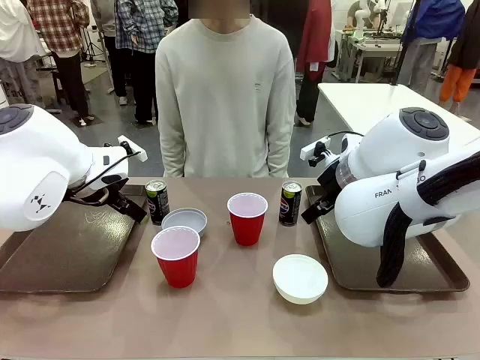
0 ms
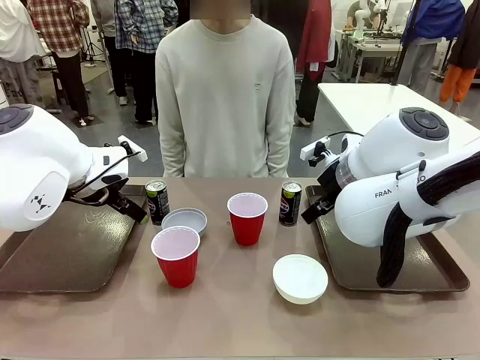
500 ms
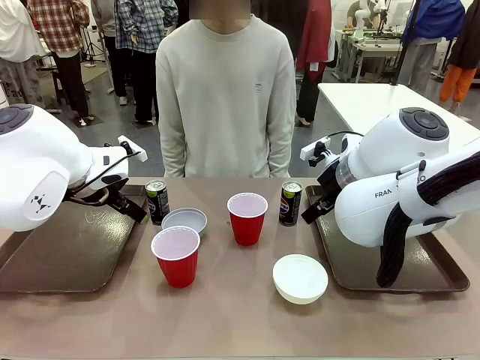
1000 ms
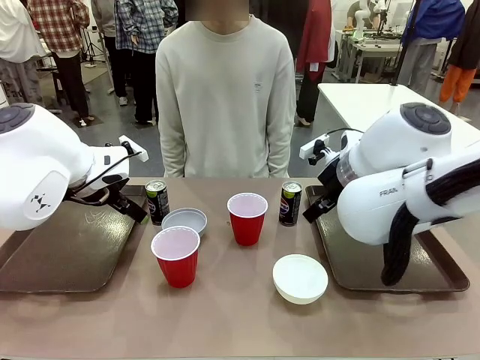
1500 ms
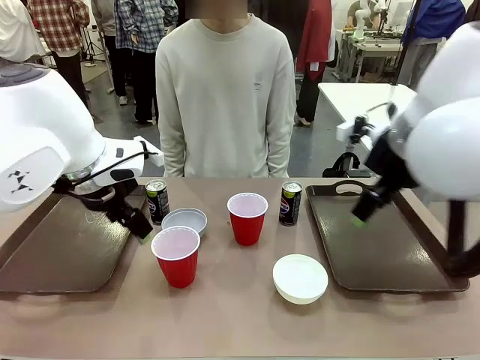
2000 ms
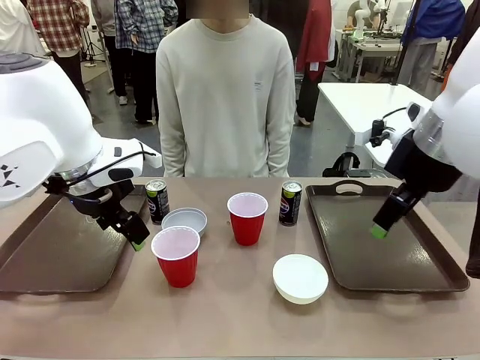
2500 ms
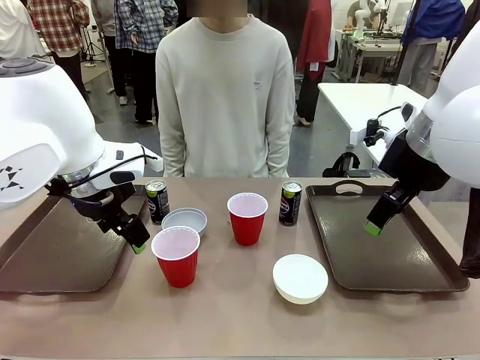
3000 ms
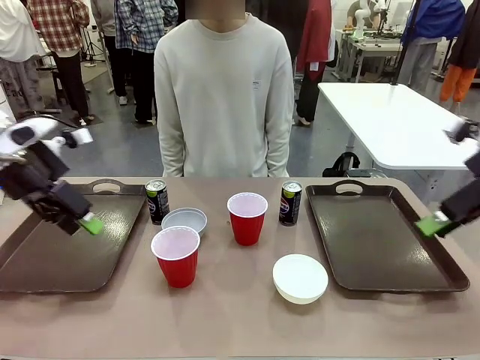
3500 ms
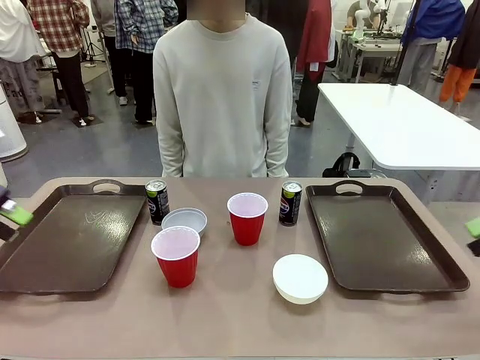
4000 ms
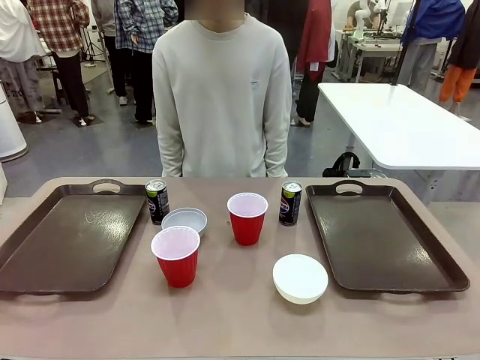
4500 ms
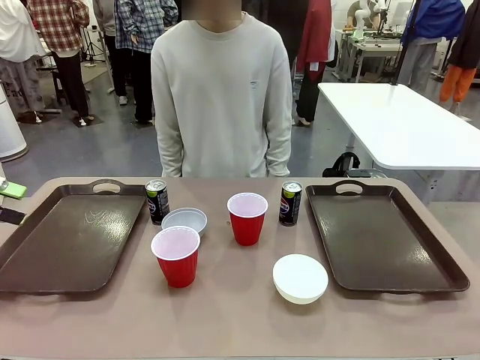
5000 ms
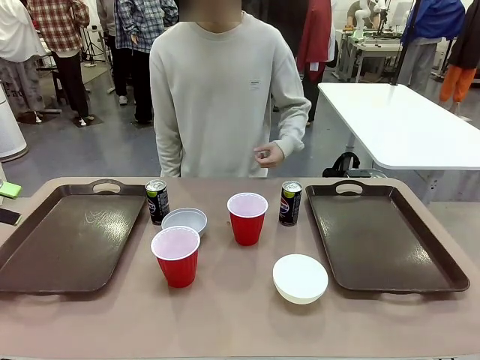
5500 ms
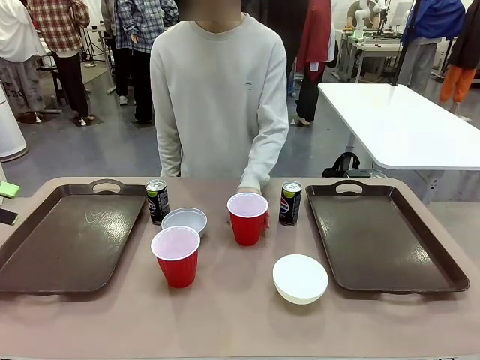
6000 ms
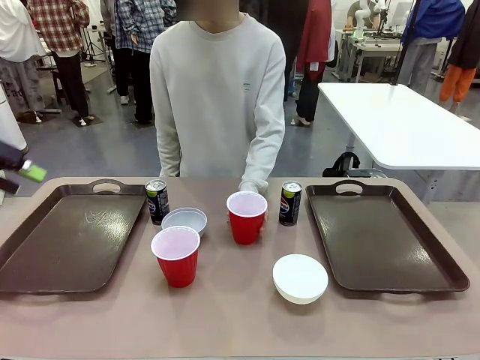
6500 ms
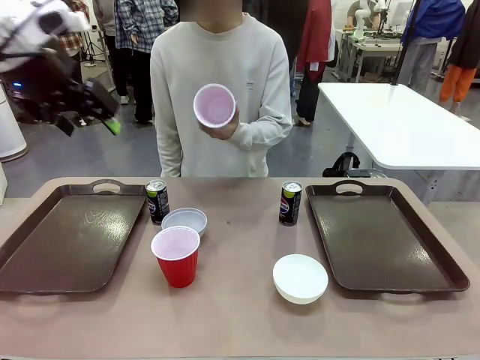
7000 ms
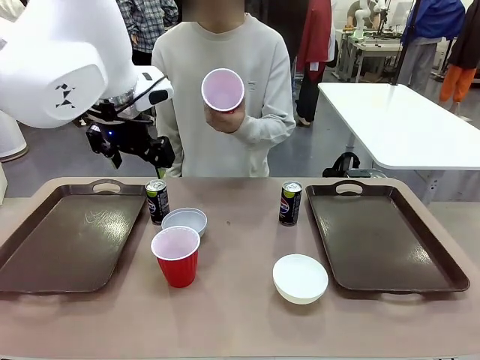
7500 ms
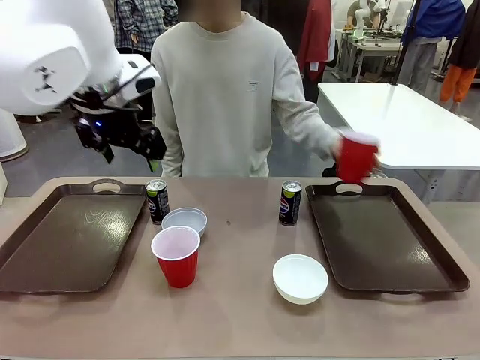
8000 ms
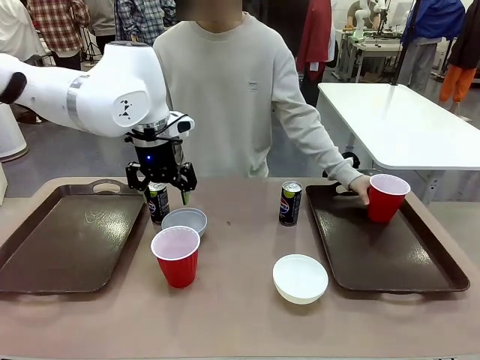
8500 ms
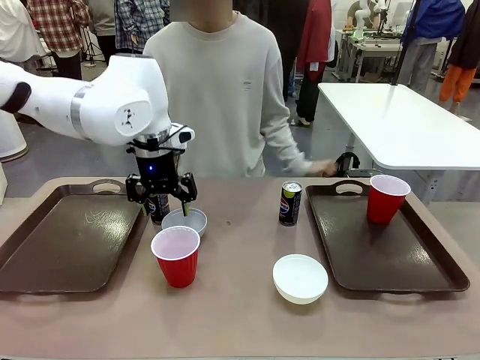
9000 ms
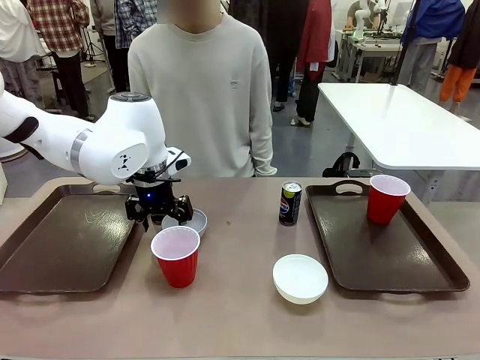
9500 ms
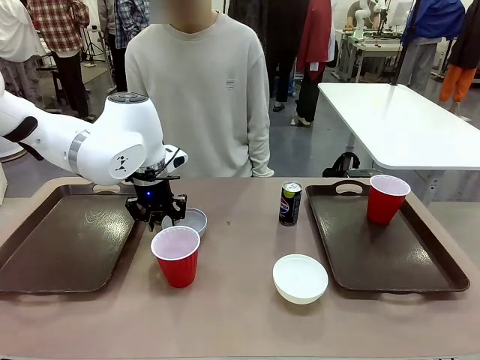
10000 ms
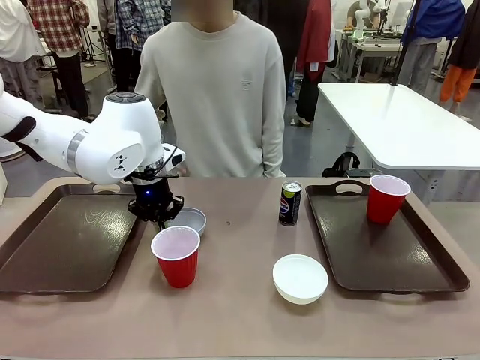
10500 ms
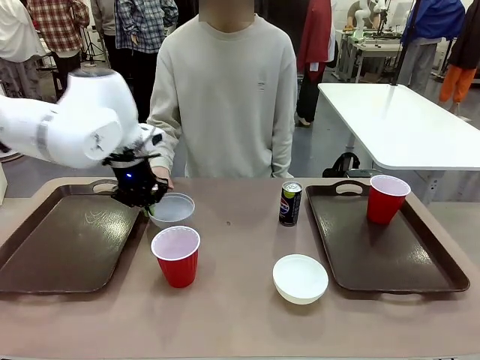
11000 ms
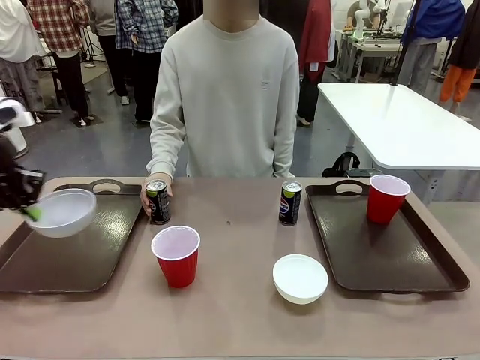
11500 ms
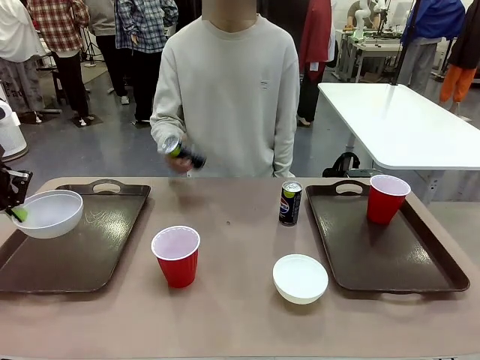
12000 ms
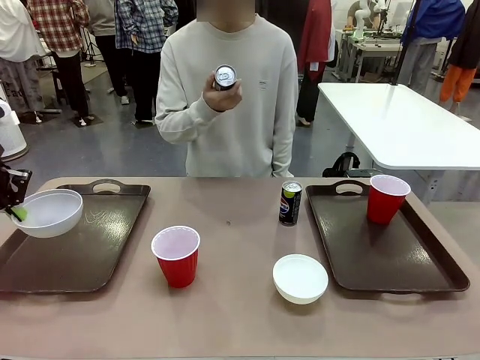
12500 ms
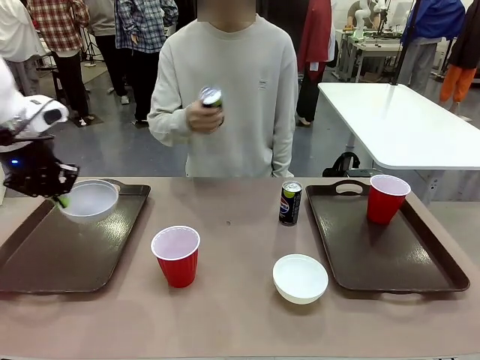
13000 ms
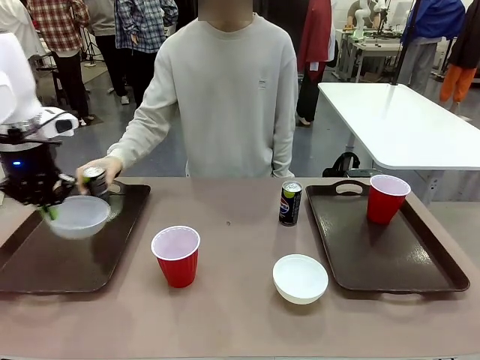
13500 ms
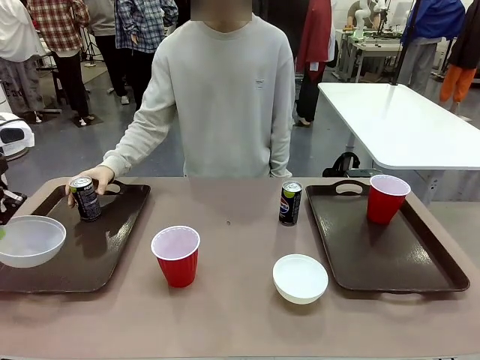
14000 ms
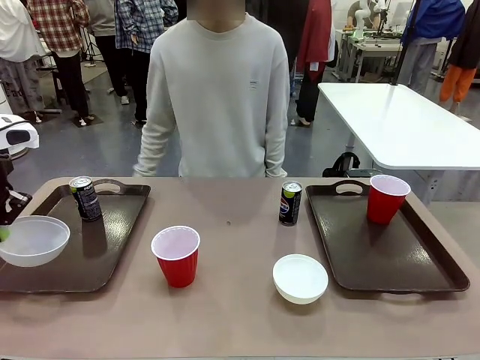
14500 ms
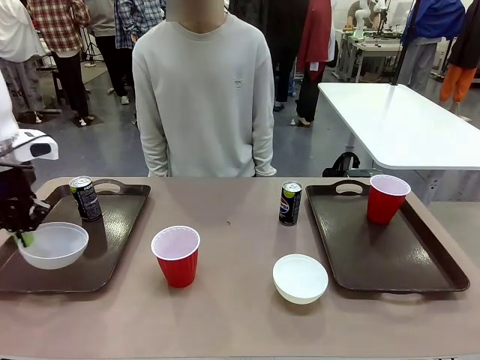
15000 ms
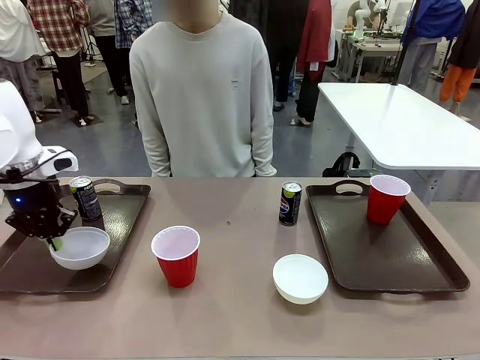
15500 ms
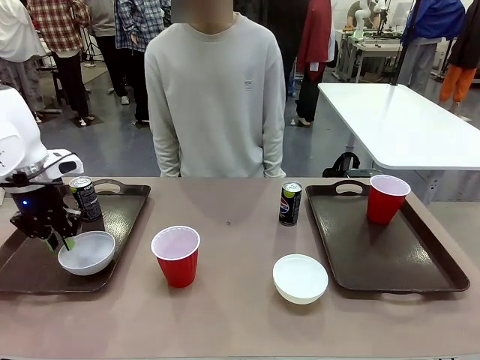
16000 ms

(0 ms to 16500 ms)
Task: Prepare tableware on both trays.
Robot: Pick up a Picnic Bowl from the table and place it on a Handle tray.
Person: Pick up a can or cup and place it on the tray.
